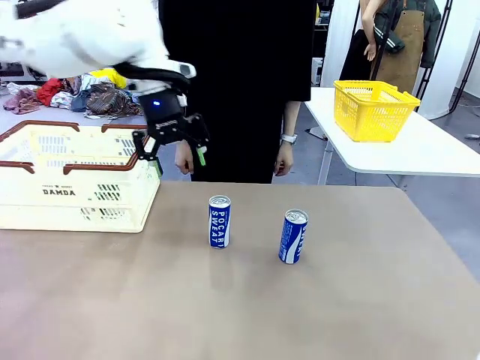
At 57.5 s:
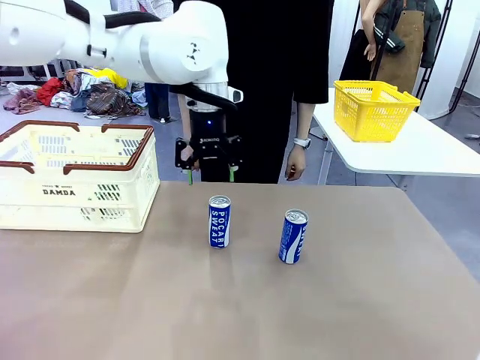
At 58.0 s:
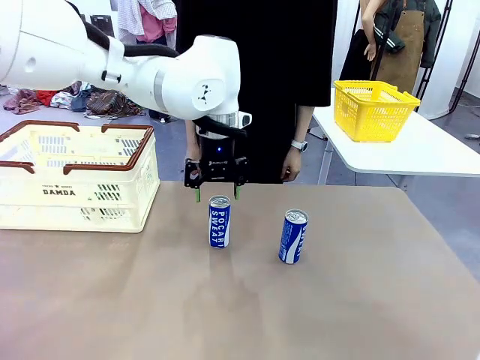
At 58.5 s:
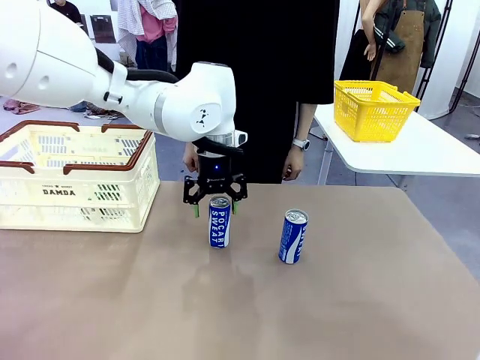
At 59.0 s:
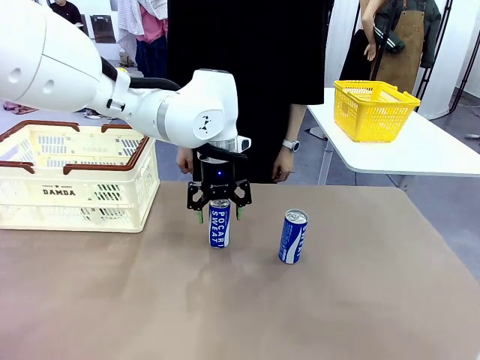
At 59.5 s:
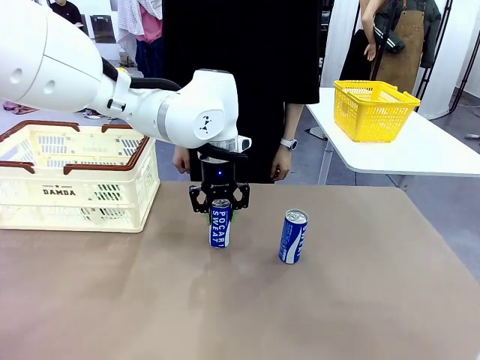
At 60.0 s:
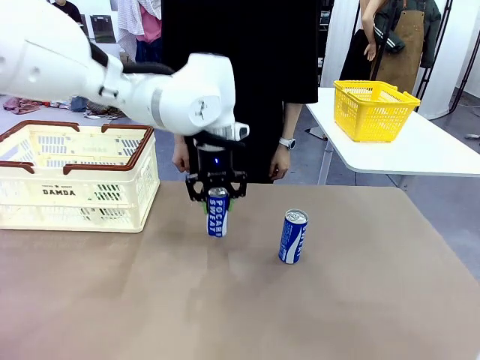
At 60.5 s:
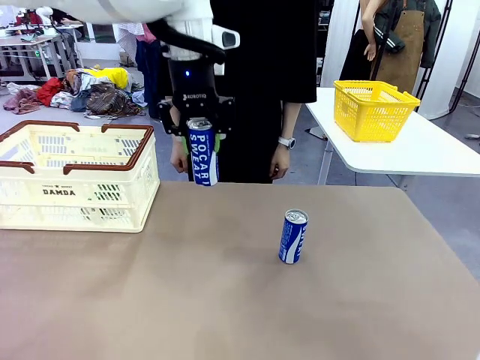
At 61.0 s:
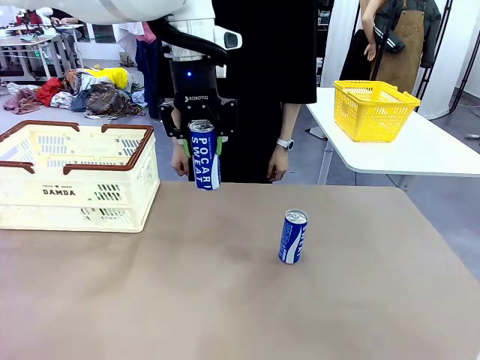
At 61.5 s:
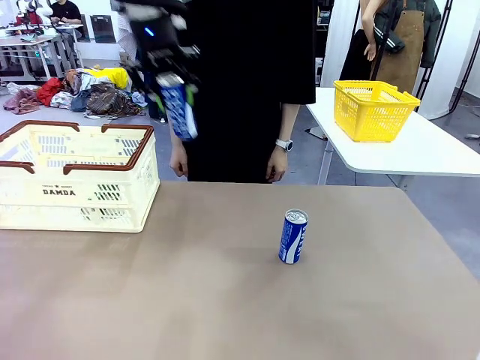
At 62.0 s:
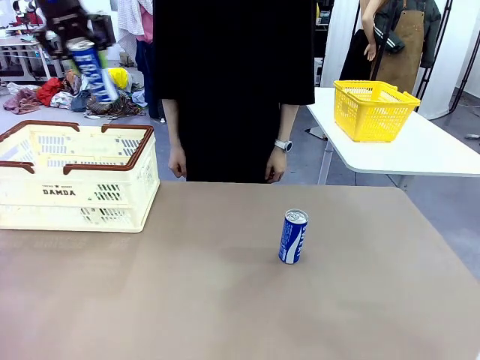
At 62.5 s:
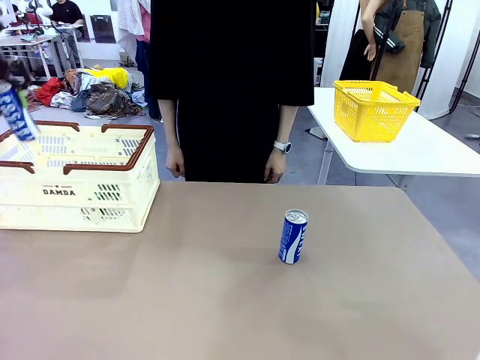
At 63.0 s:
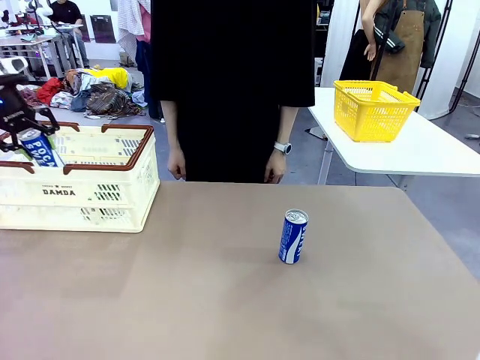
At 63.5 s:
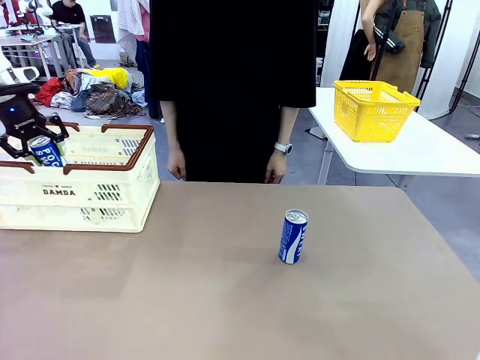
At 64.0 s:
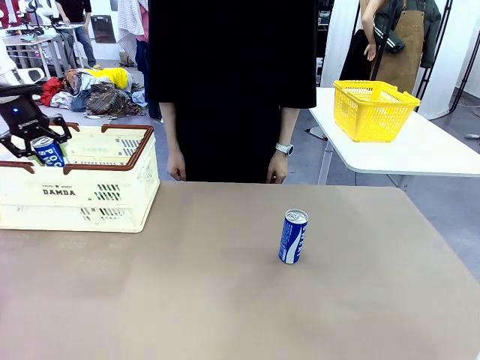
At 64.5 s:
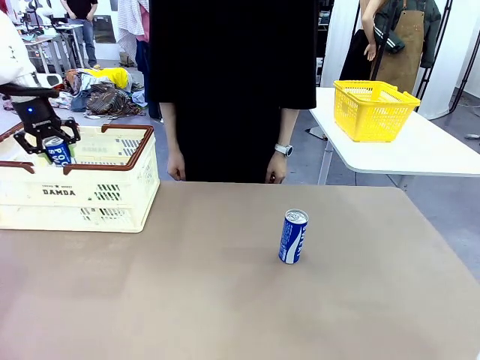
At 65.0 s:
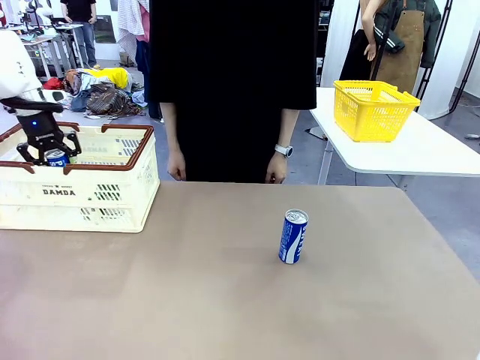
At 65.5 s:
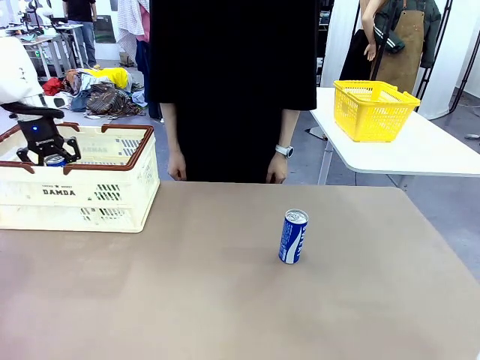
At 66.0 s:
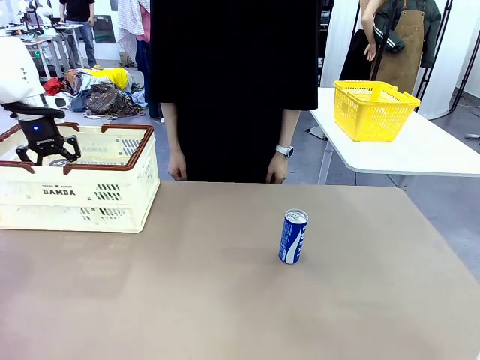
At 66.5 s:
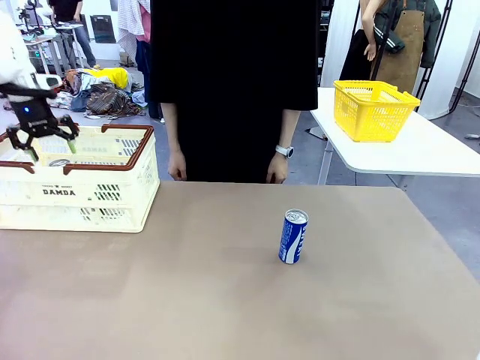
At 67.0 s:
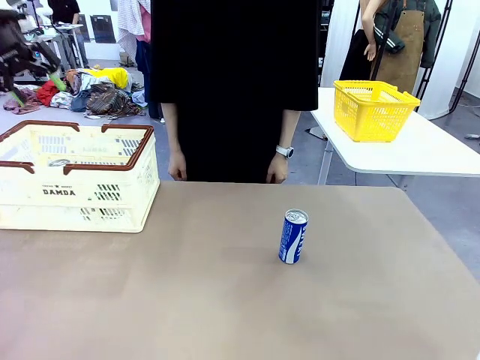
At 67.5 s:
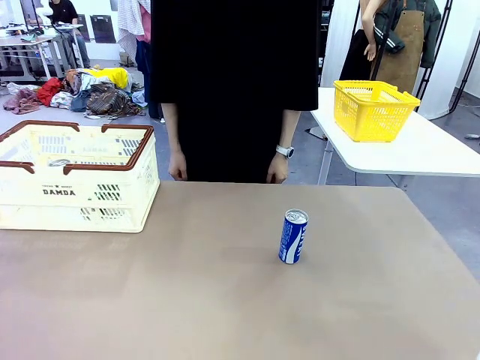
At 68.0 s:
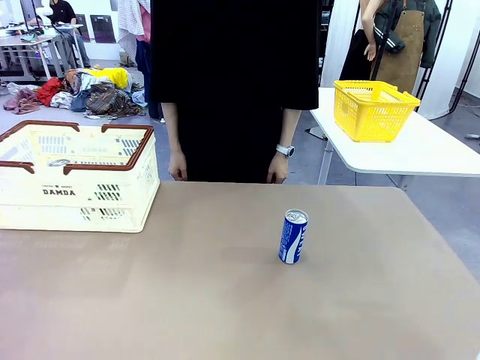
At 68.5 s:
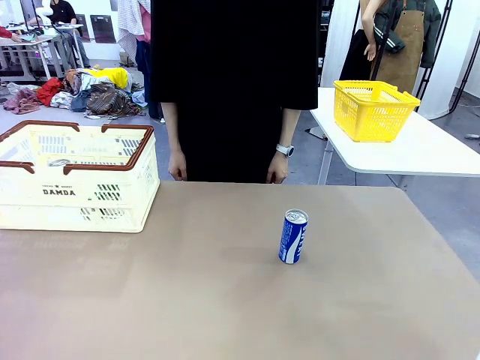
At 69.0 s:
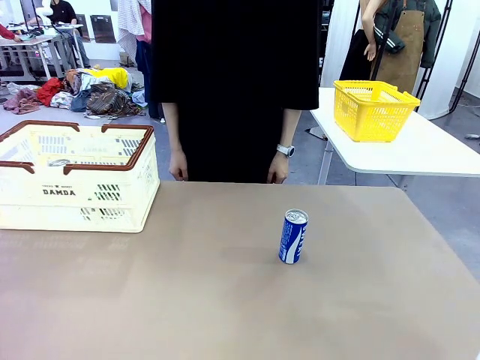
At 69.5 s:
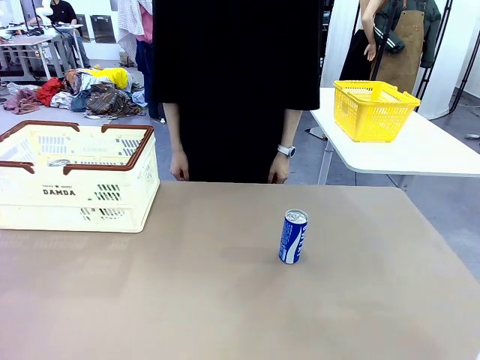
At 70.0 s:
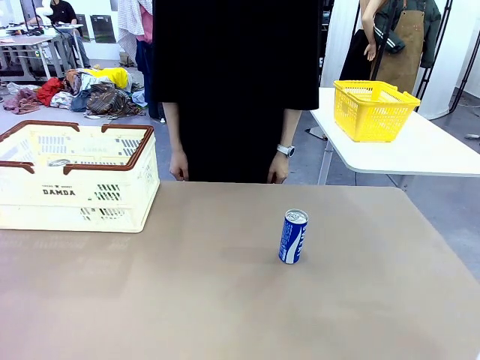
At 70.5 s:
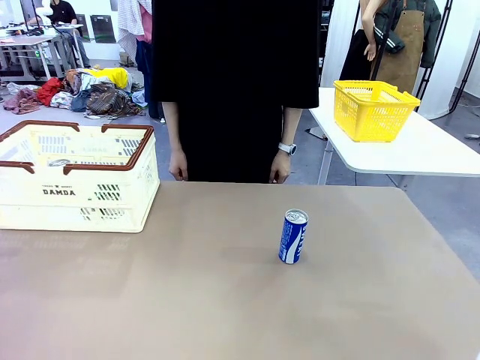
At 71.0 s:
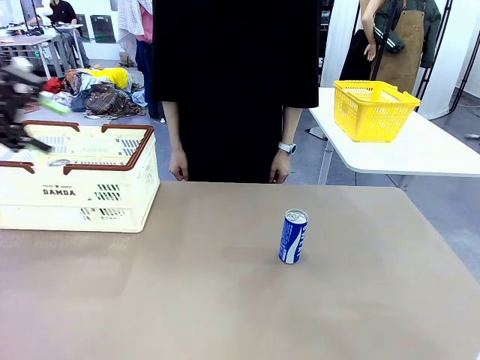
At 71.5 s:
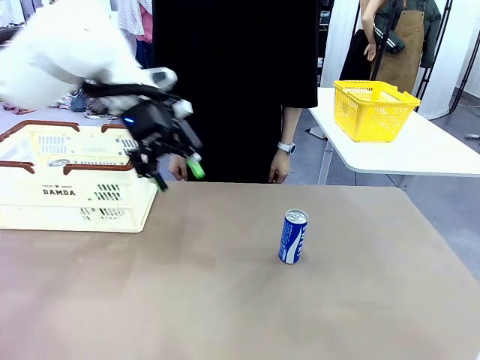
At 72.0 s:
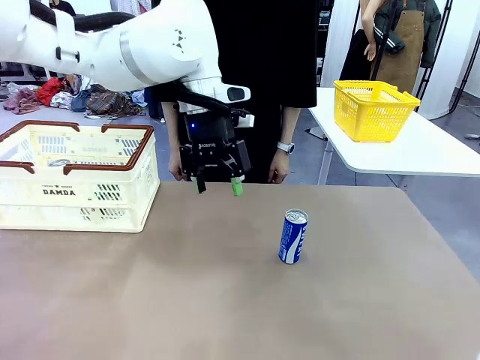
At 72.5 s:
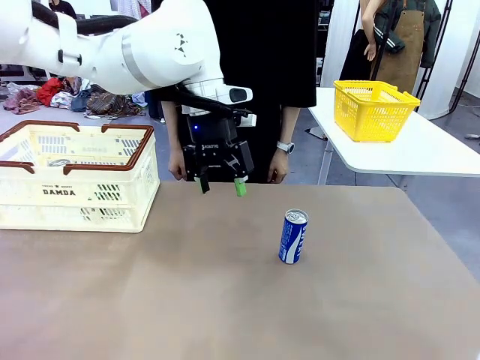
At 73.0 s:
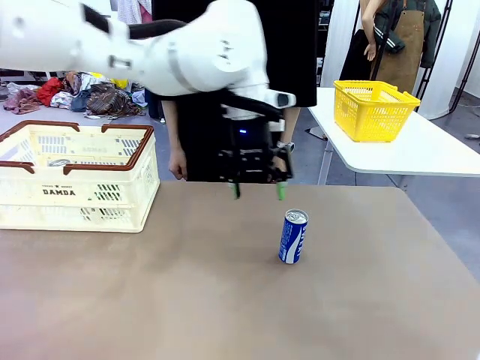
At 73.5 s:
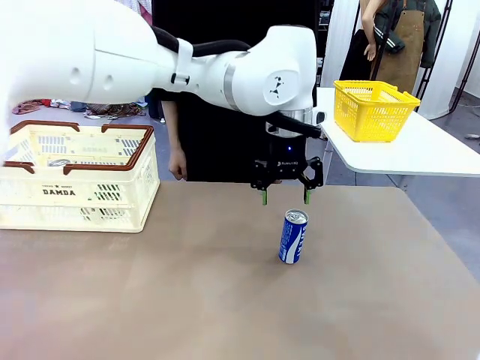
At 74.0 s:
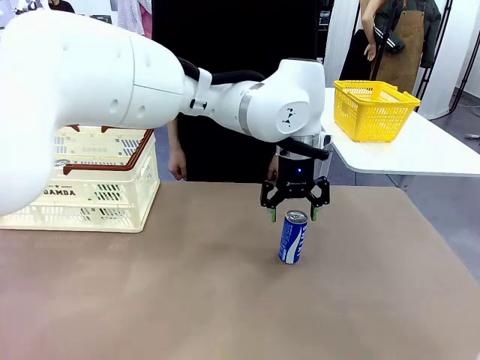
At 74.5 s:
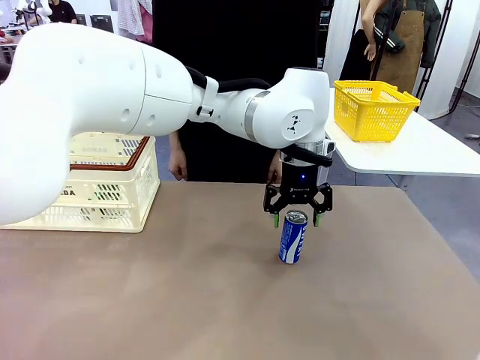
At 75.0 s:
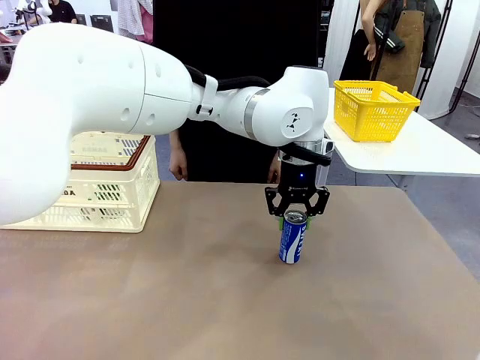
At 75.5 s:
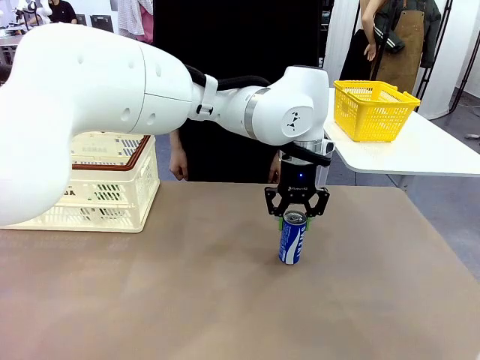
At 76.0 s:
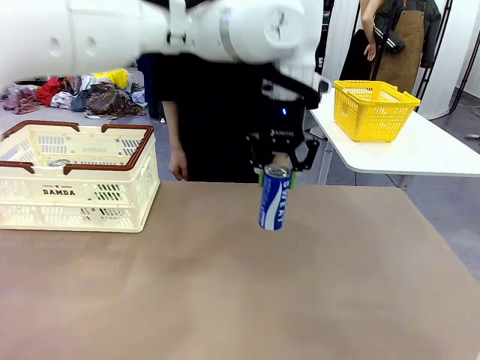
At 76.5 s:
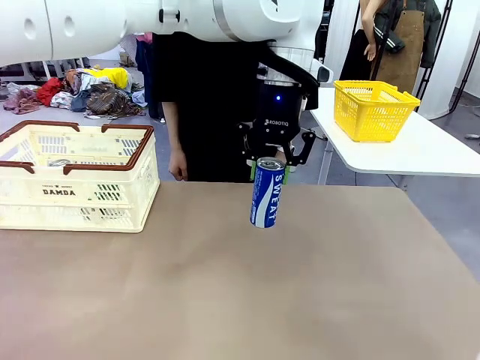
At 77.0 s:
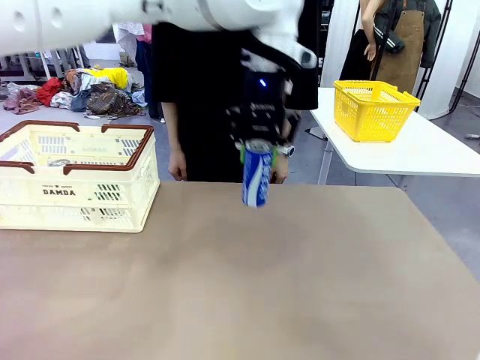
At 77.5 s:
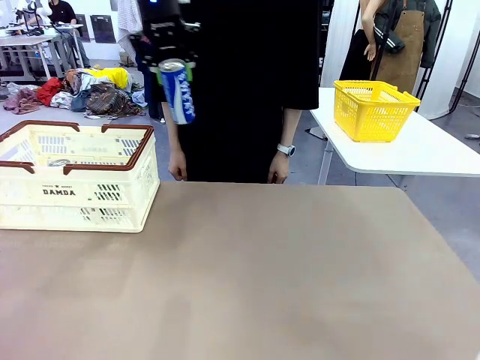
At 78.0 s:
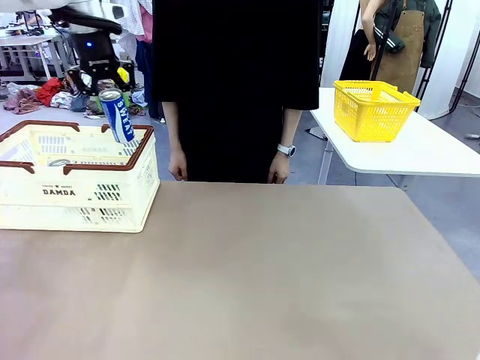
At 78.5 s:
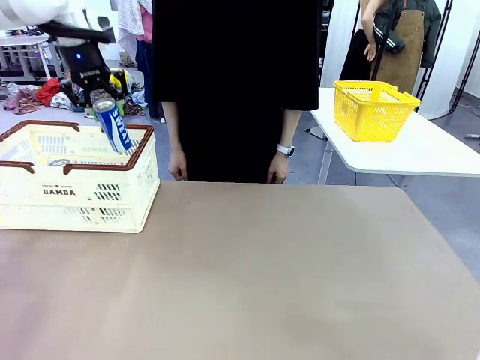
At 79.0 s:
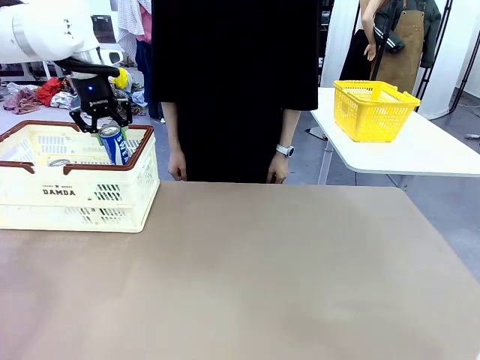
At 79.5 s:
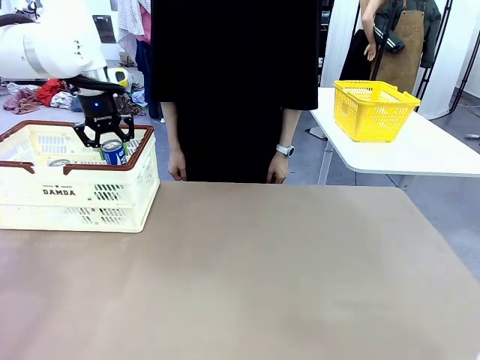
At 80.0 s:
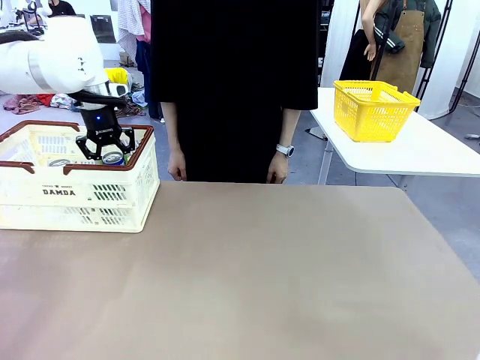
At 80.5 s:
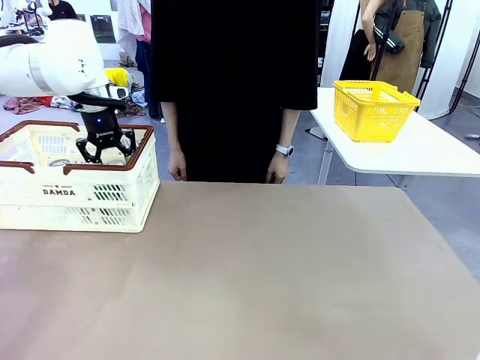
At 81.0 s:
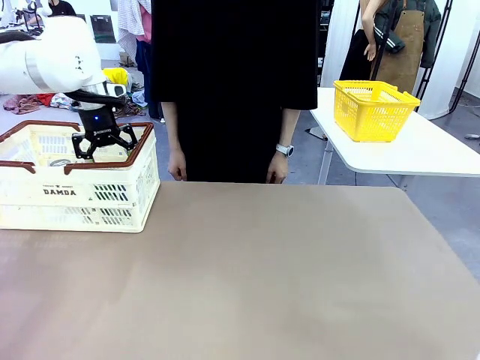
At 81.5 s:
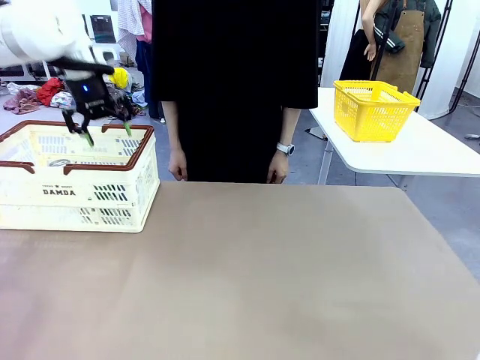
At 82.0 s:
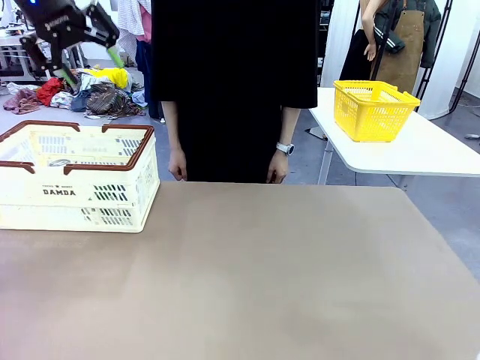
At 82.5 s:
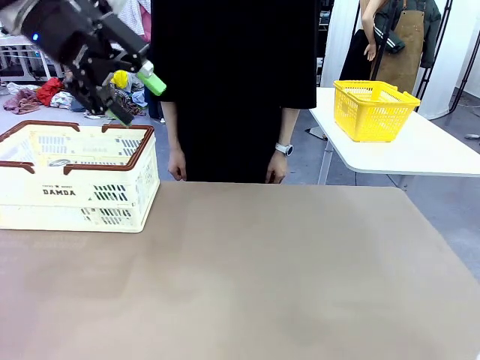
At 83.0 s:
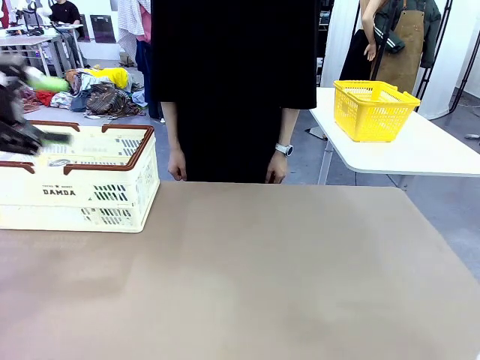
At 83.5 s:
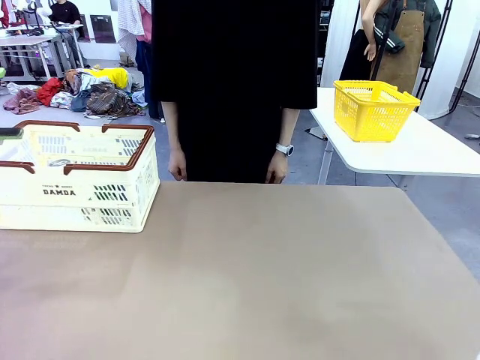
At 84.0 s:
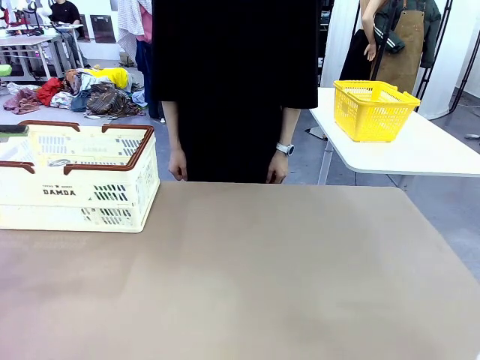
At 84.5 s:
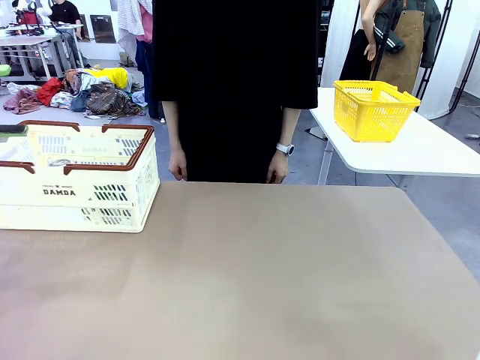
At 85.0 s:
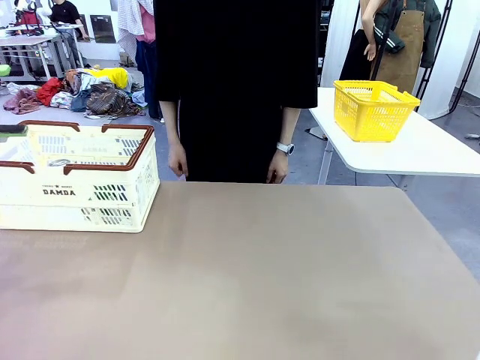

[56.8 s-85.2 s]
Task: Place the drinks into the Shopping basket.
Robot: Pick up one drink and place it into the Shopping basket.
